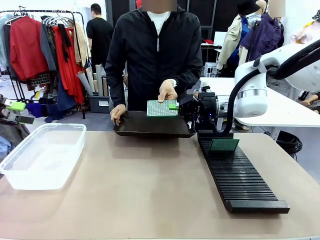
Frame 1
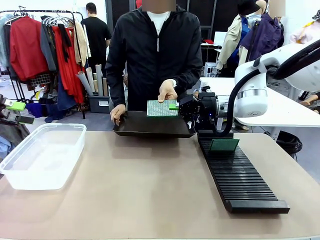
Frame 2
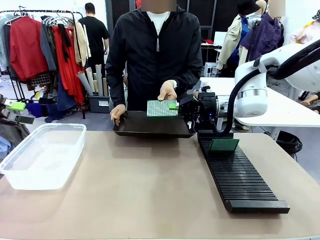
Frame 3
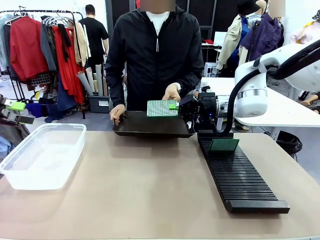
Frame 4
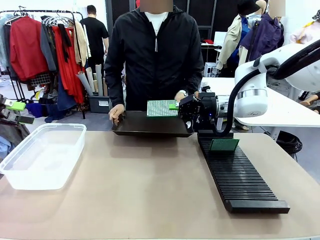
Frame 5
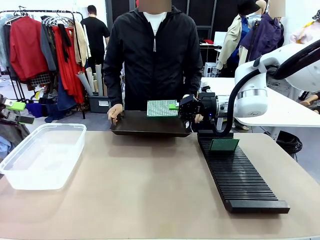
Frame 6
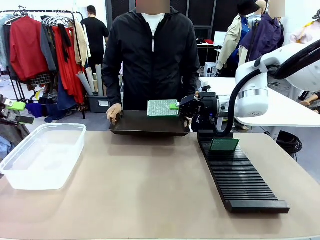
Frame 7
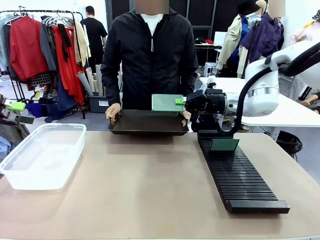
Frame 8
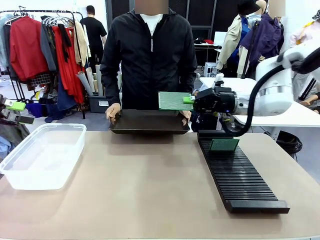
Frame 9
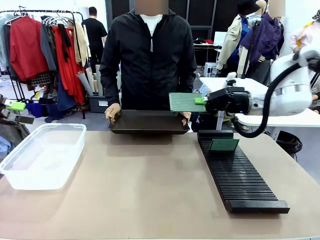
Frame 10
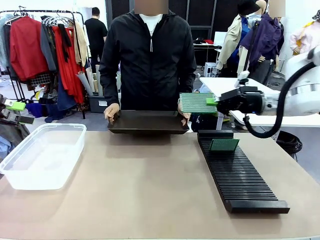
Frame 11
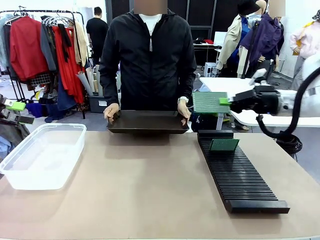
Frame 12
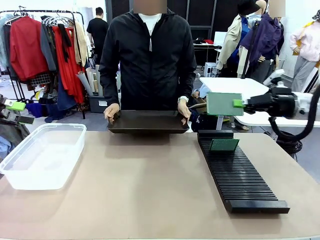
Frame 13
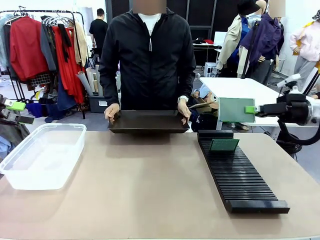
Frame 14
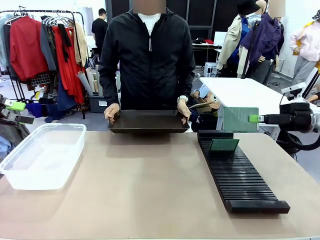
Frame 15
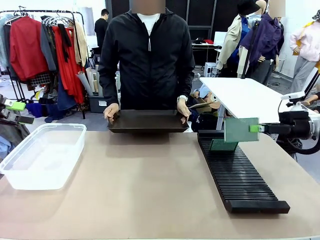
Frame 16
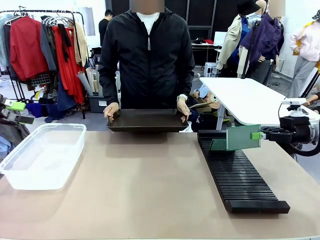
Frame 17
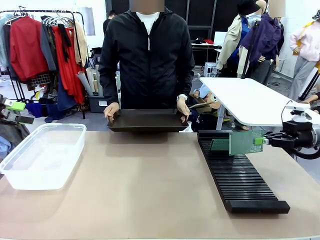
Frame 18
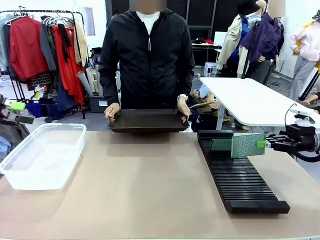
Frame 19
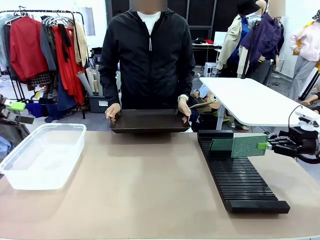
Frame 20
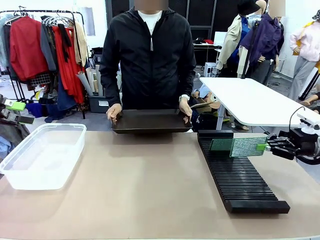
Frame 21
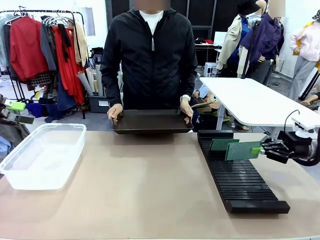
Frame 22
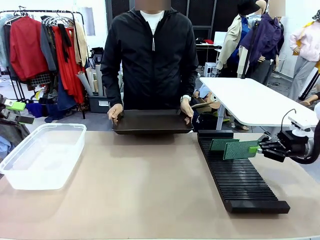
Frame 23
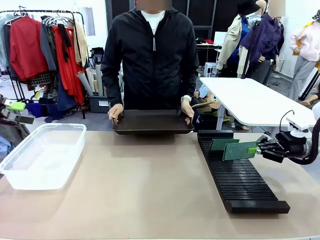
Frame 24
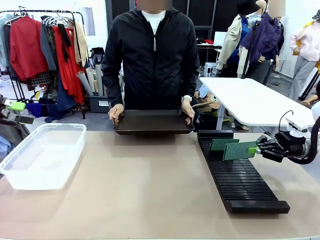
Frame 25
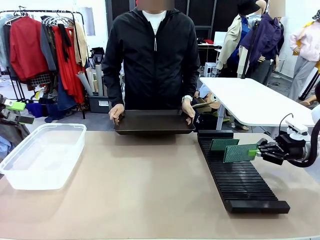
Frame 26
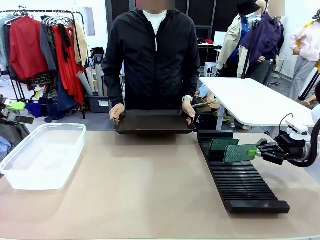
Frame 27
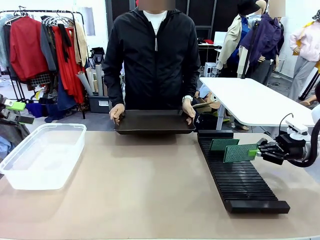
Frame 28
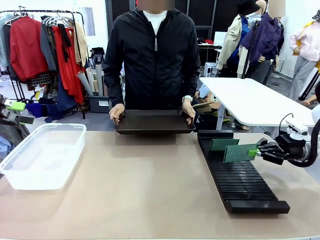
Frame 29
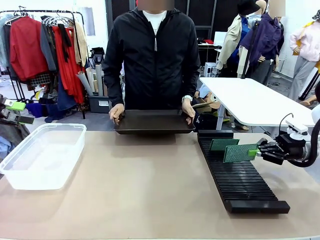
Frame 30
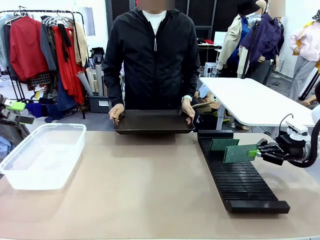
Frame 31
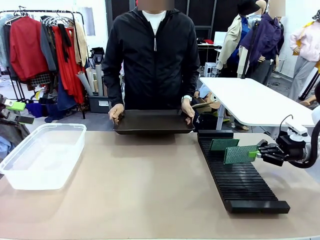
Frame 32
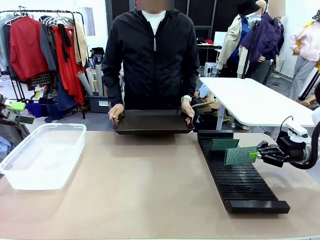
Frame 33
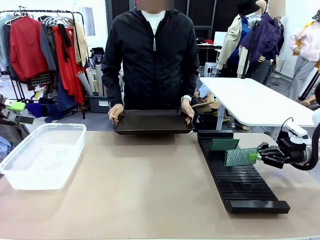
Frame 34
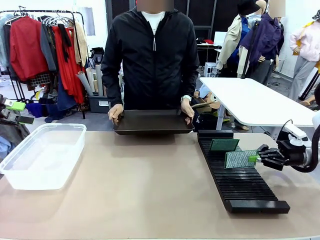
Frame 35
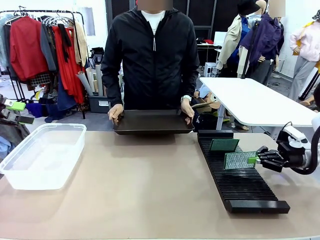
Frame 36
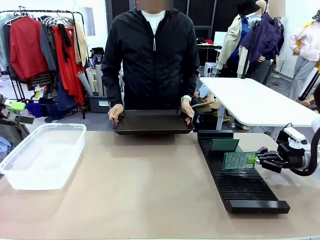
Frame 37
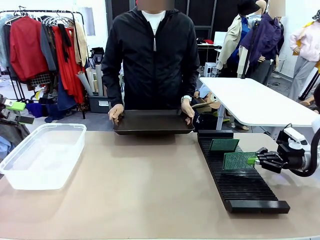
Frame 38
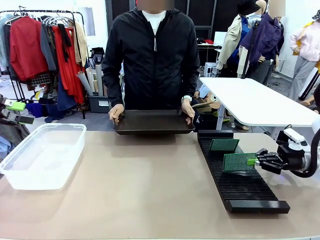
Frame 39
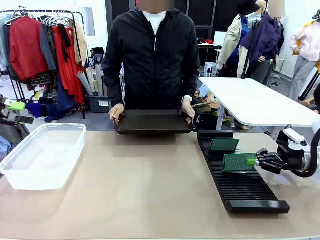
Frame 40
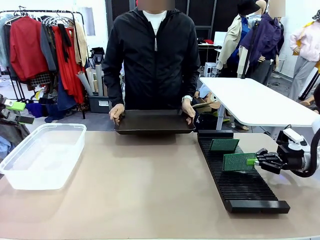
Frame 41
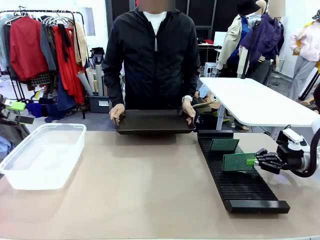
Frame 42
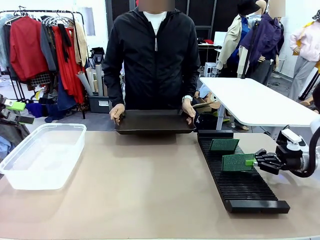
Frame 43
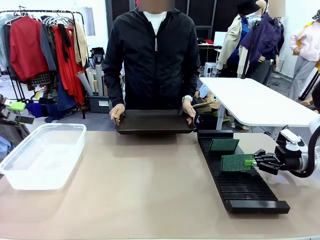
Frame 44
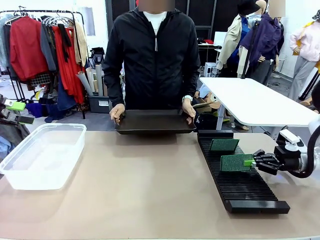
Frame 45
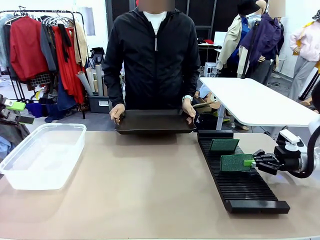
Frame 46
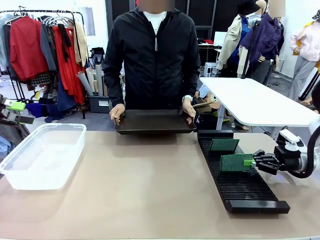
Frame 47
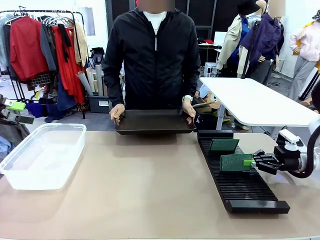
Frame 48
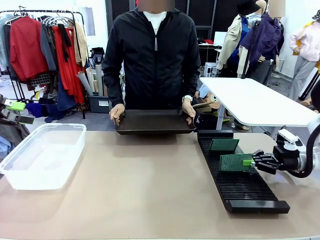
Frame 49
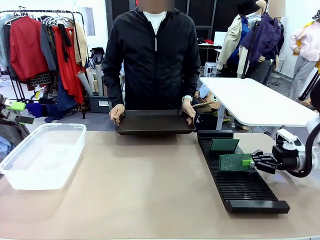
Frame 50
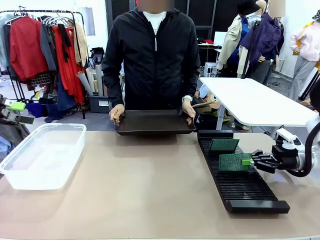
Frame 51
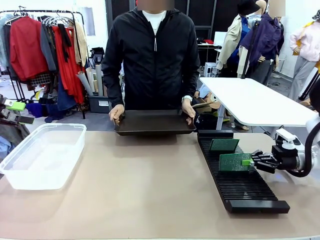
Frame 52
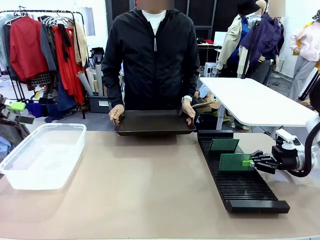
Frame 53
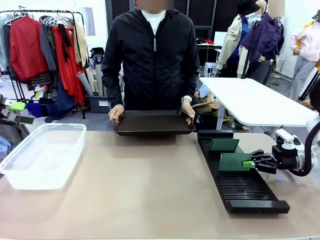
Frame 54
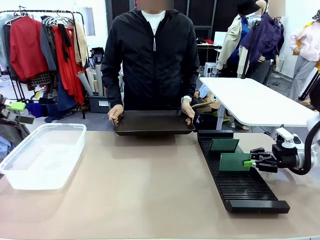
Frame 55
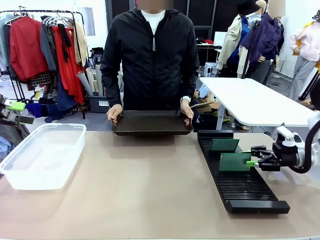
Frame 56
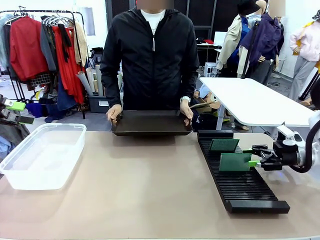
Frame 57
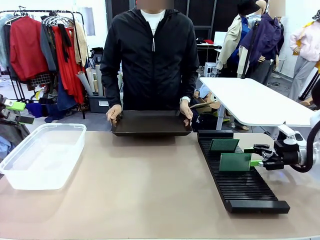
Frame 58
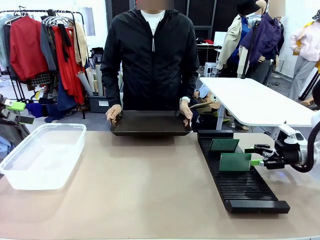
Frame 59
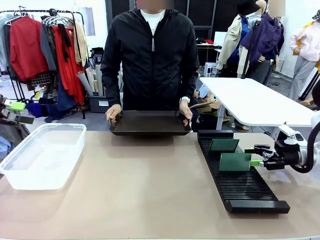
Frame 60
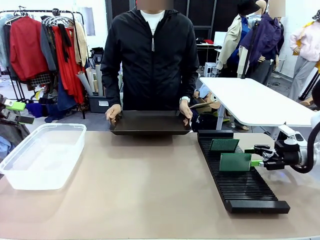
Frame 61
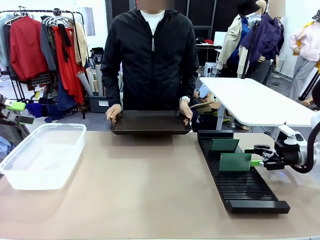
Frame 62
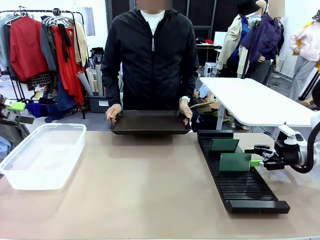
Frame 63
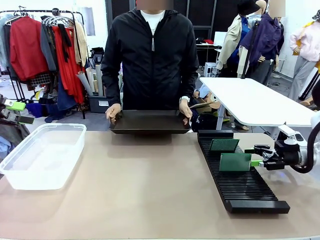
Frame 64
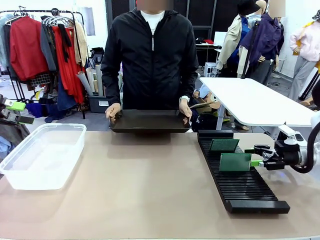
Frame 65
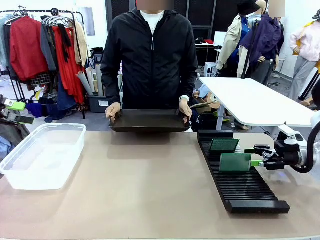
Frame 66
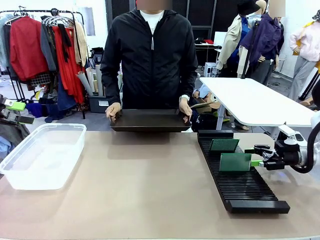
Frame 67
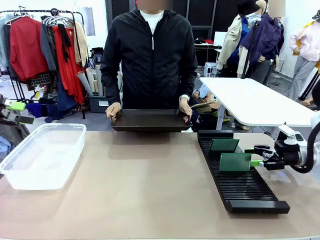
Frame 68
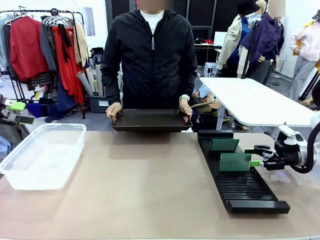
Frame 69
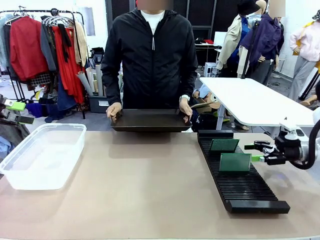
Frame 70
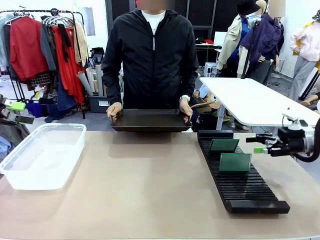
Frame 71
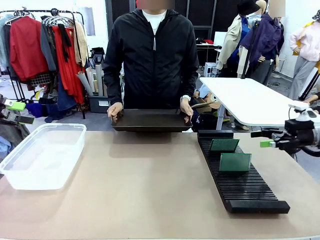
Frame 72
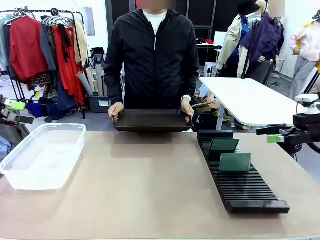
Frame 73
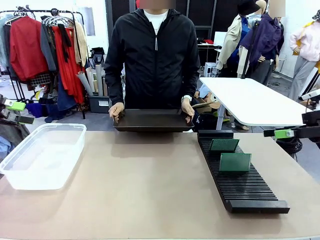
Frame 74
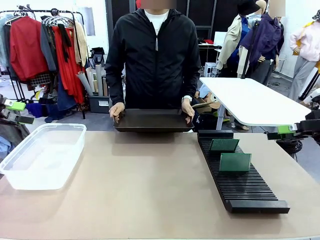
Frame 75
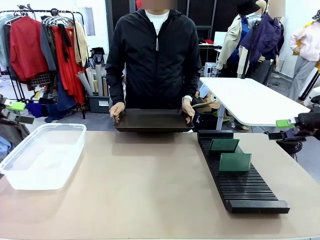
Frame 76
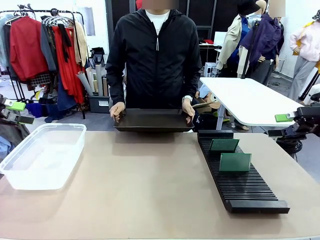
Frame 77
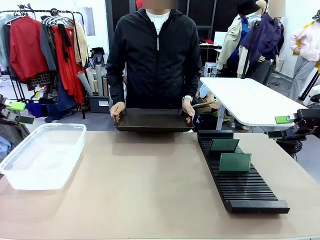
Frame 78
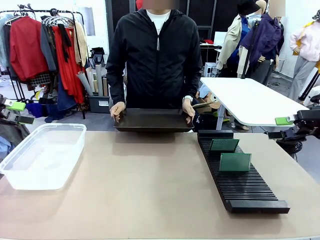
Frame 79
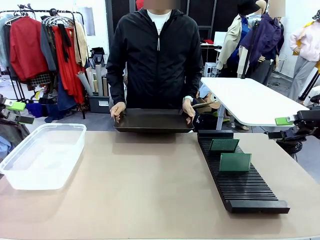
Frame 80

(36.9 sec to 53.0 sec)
Task: Sort PCBs into racks and boxes based on the side picked up.
Robot: If the short side of the Blank PCB is picked up, insert it into the PCB Rack ; if the long side is picked up, place it in the Organizing box.
Person: Release the PCB being held.
